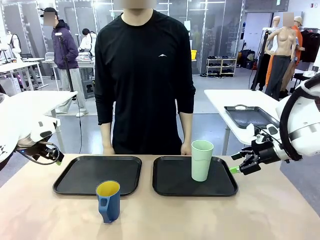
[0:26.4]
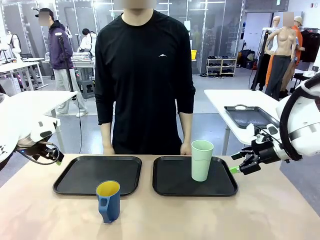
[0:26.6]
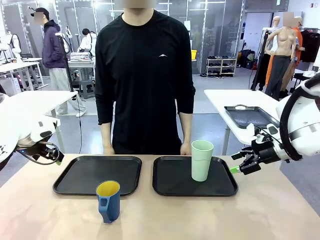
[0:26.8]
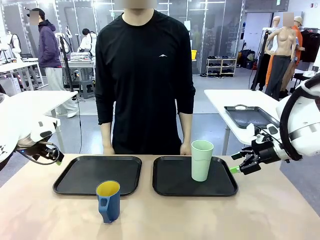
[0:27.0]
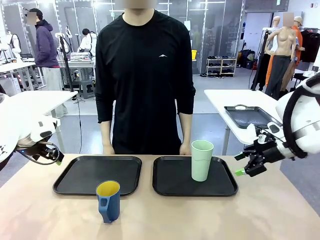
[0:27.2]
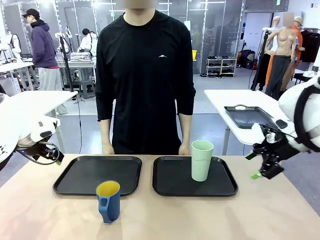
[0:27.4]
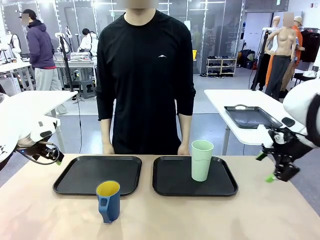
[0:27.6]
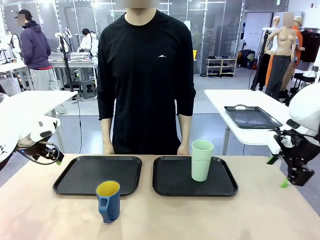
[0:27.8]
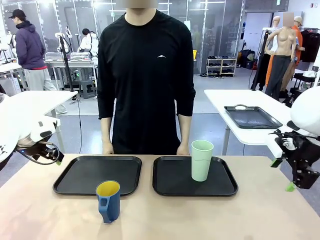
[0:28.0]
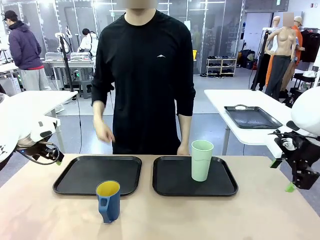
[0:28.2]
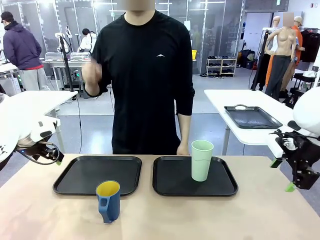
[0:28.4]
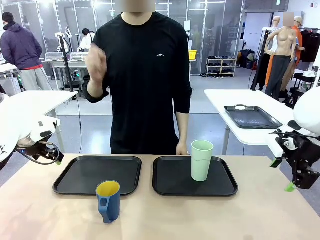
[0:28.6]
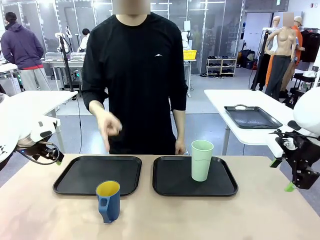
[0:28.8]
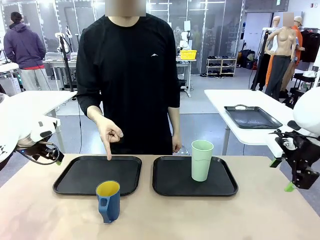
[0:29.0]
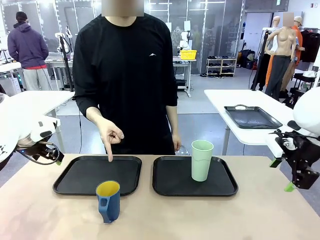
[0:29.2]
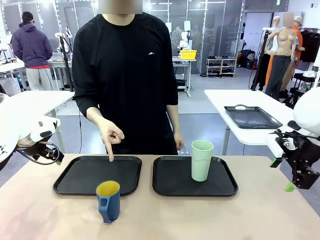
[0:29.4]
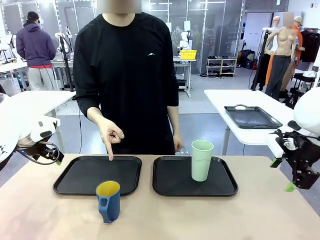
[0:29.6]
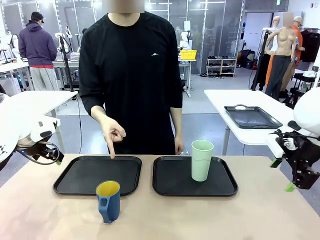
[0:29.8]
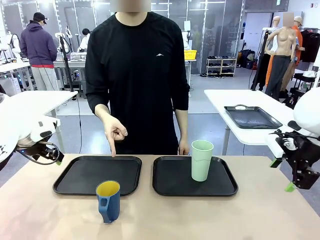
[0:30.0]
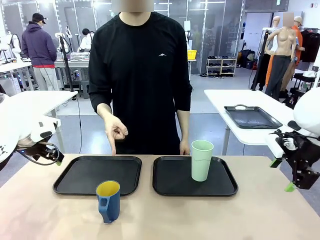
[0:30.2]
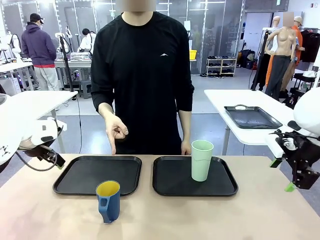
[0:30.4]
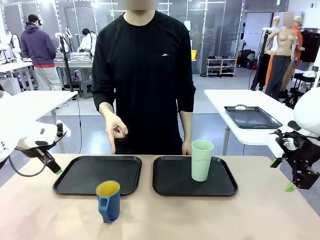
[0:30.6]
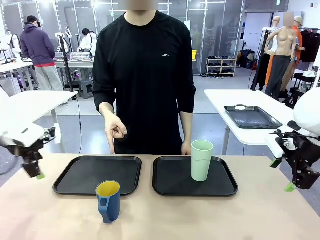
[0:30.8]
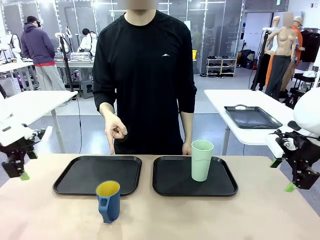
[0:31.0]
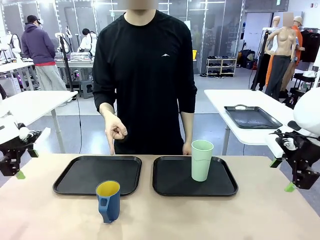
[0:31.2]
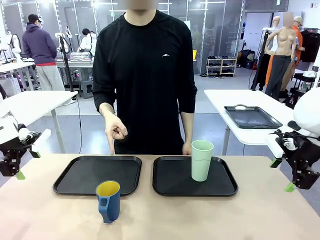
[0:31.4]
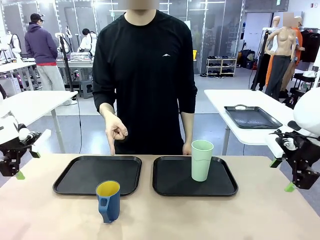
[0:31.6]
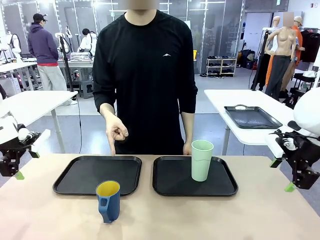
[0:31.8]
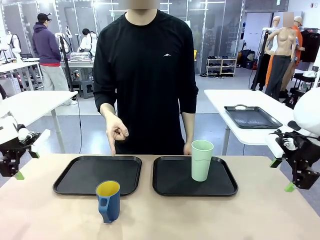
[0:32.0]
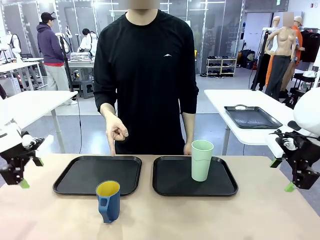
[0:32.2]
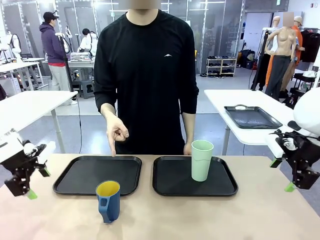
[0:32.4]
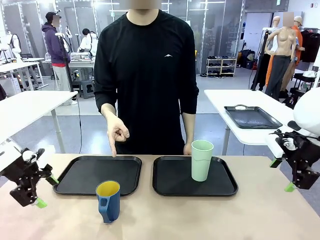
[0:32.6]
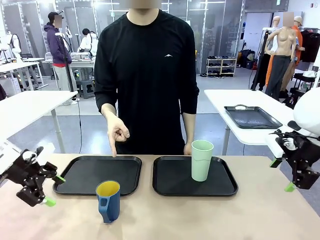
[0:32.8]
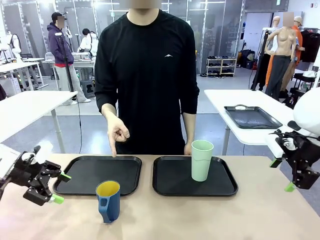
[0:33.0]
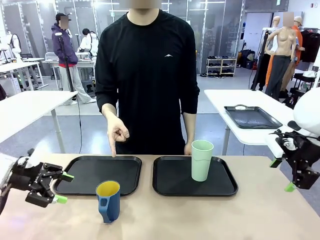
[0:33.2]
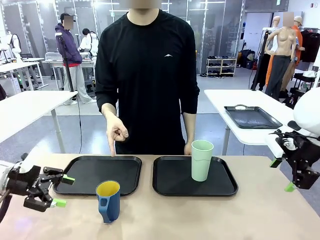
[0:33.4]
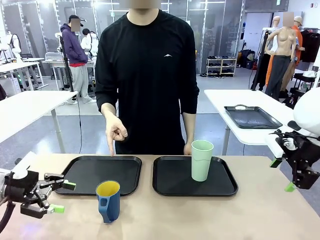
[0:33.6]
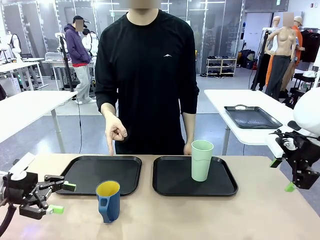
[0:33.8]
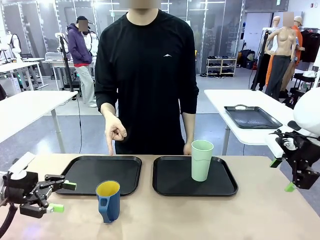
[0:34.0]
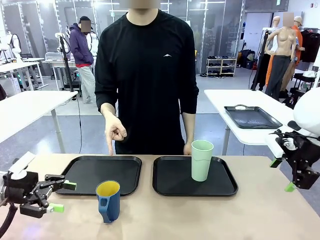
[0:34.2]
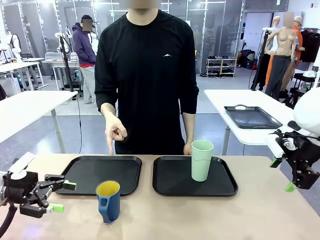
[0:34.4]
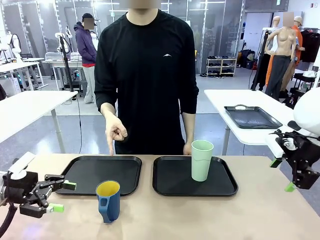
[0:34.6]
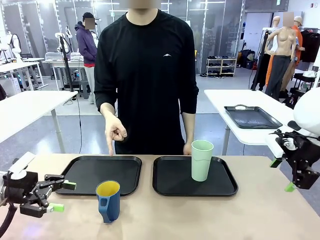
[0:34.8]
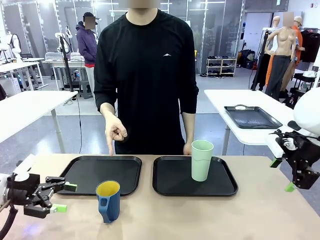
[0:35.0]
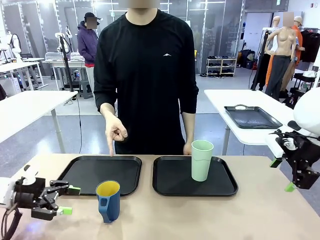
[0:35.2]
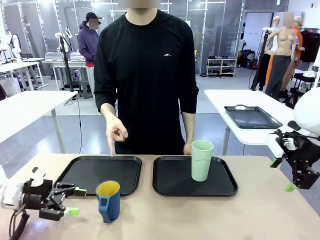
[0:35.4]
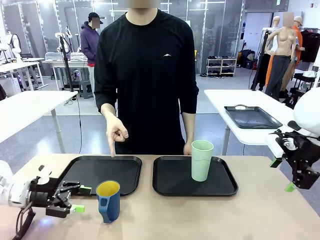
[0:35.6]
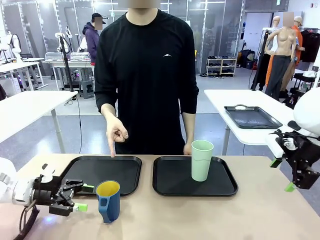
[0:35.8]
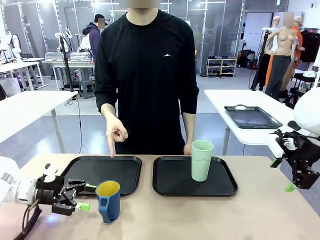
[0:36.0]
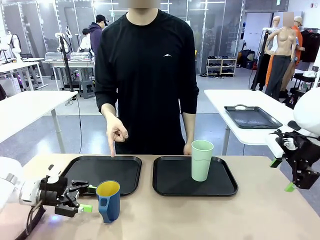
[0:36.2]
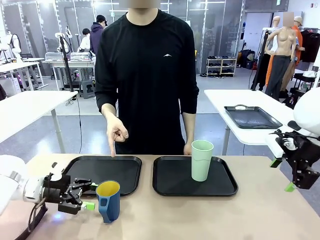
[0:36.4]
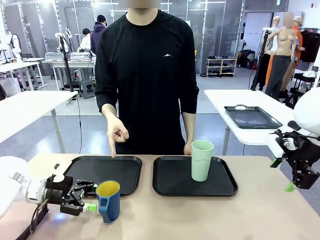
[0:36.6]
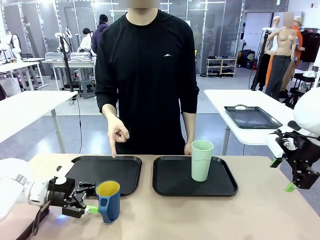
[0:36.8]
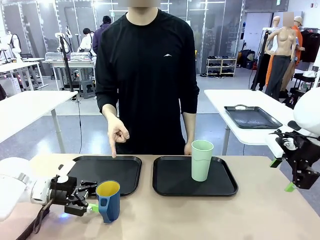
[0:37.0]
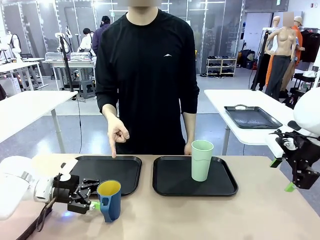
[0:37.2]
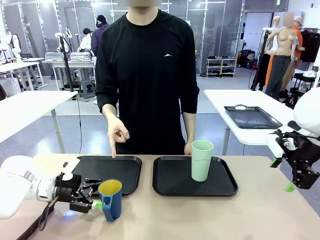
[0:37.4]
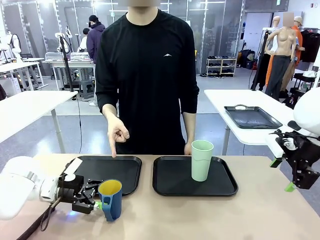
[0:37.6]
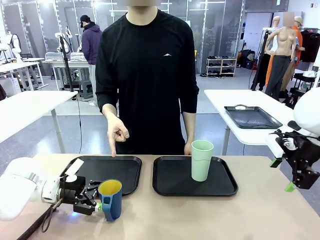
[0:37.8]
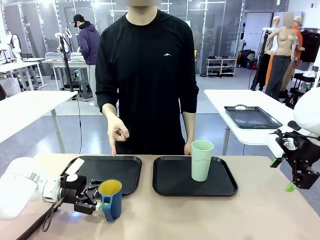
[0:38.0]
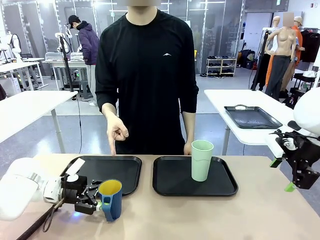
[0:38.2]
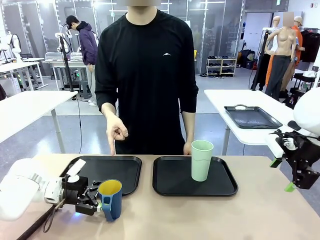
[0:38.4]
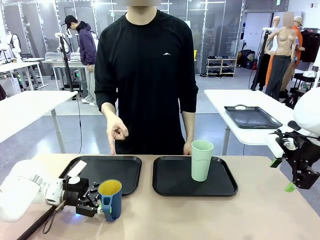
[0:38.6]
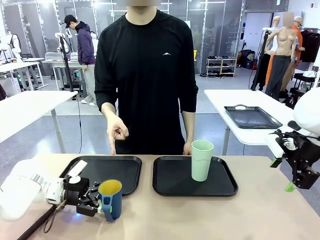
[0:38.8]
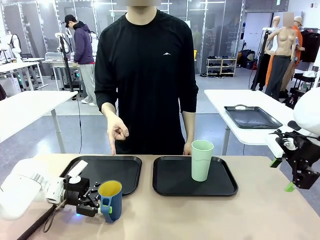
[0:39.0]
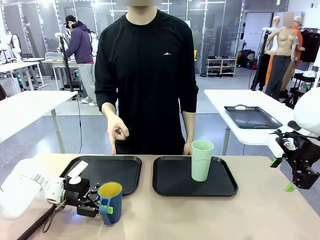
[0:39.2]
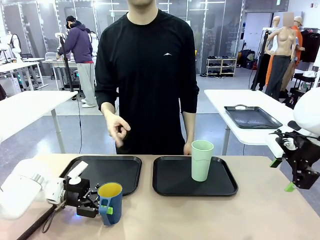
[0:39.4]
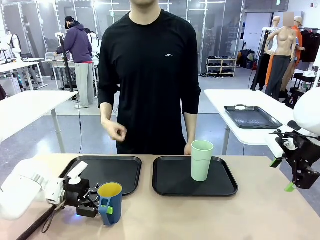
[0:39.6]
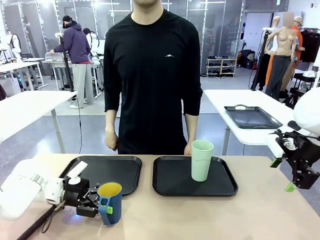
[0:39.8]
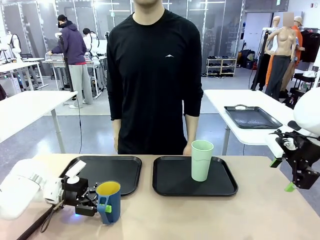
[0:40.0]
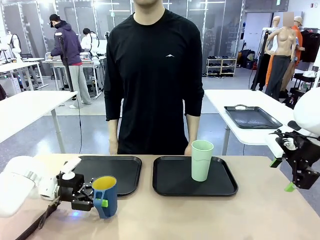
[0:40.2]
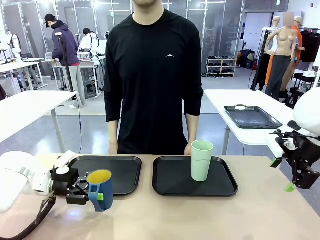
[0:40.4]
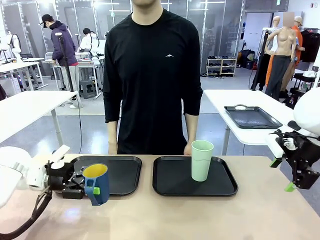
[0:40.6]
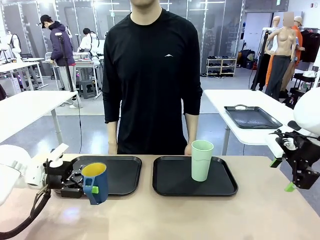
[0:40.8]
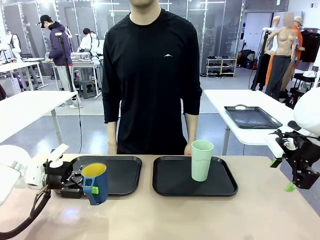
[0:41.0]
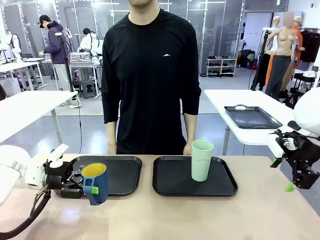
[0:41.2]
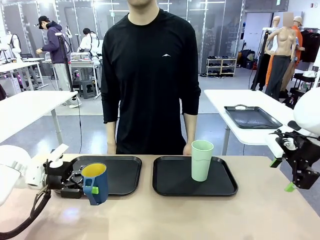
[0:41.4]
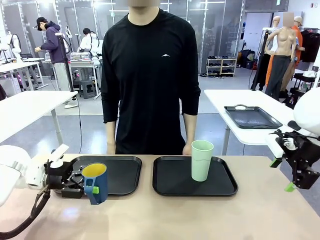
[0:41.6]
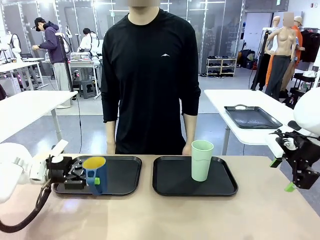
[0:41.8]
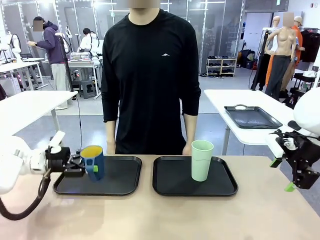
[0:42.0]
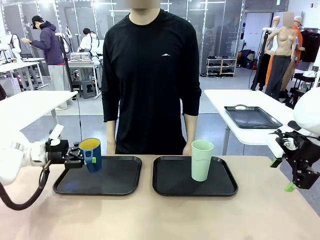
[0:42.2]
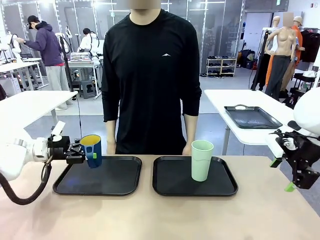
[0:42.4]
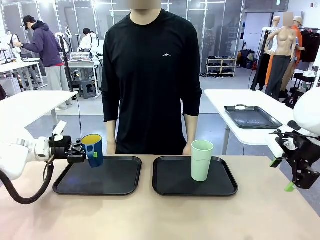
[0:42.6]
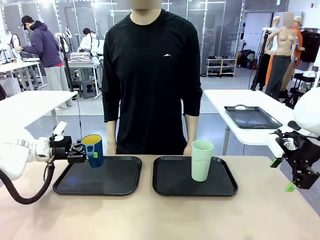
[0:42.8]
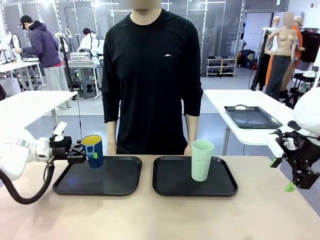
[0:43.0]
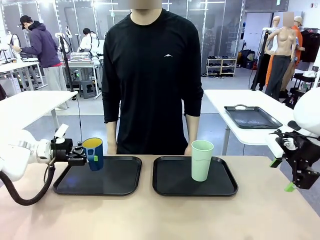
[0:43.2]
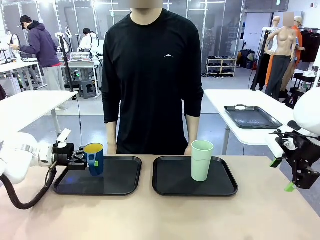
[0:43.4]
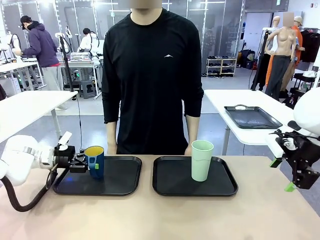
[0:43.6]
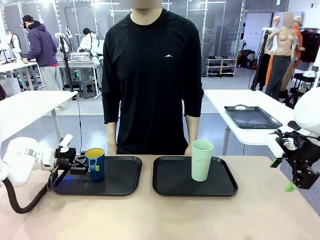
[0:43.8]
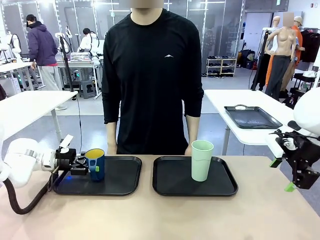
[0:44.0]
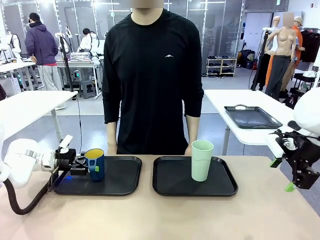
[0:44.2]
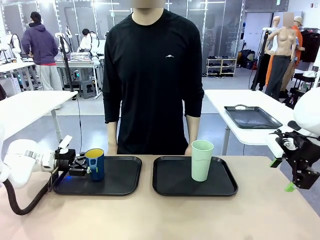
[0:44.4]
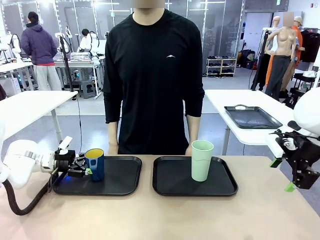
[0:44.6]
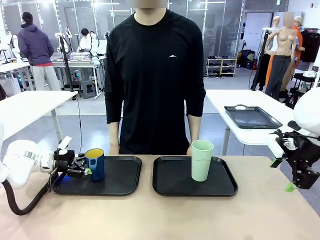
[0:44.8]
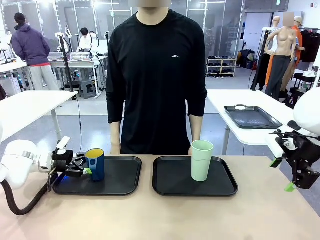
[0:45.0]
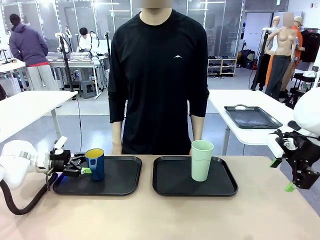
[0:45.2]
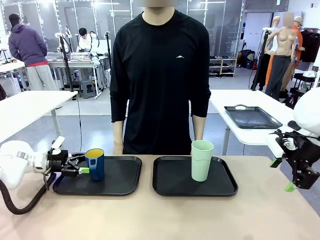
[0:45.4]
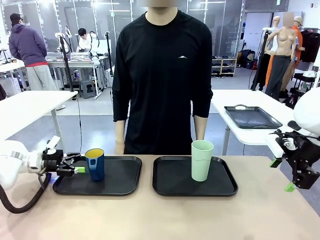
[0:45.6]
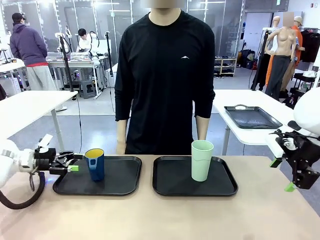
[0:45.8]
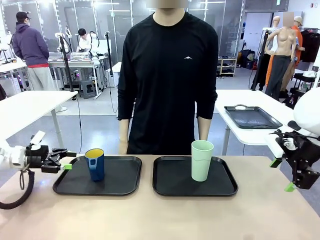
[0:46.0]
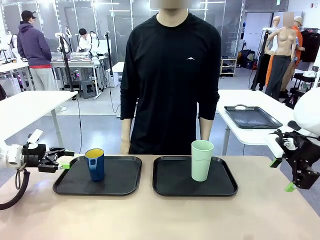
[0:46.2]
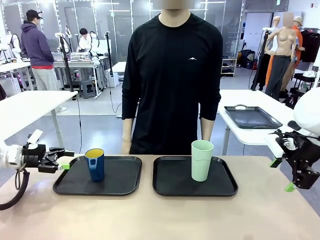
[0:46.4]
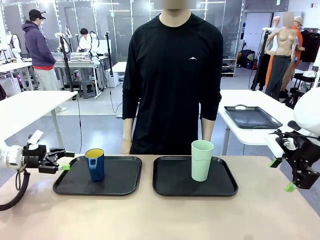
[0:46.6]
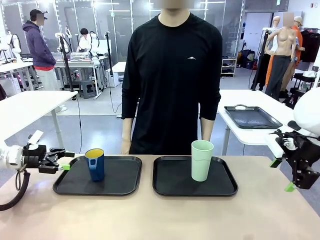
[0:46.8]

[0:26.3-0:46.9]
Task: Sort and store the cups by type.
Robot: Pick up the Handle plastic cup and place it into the empty Flat Tray.
Person: Points to the cup with a handle.
